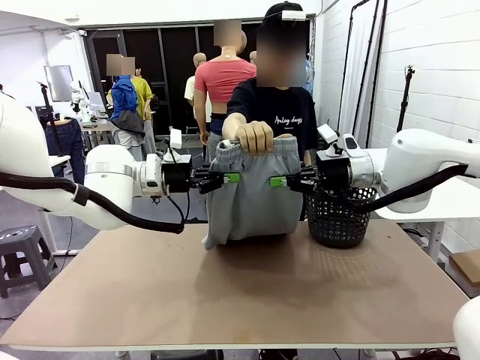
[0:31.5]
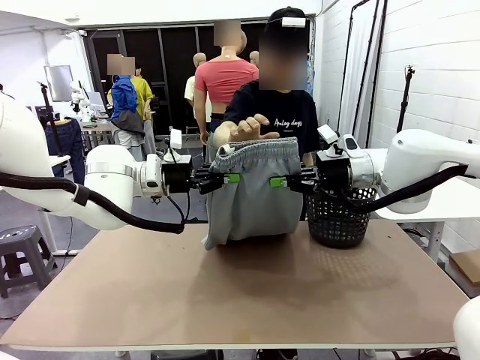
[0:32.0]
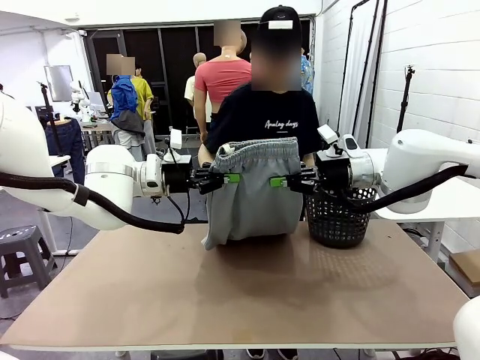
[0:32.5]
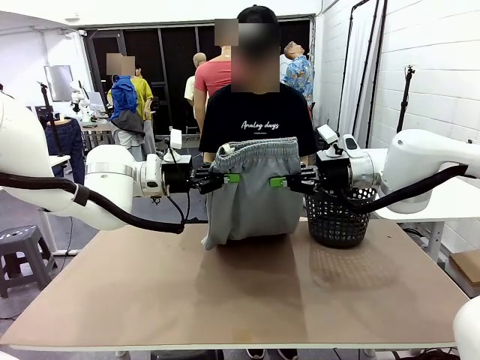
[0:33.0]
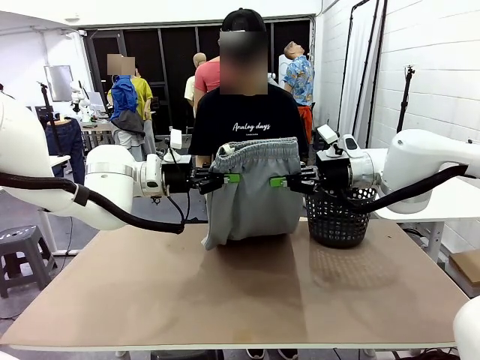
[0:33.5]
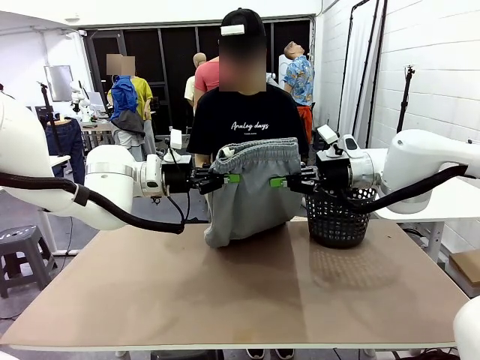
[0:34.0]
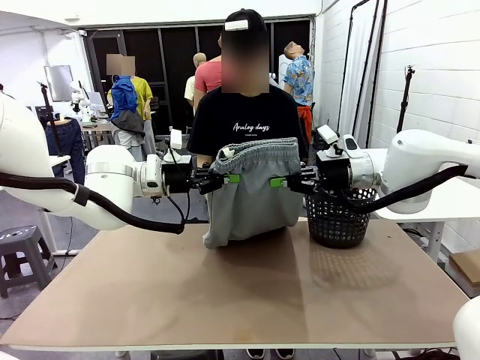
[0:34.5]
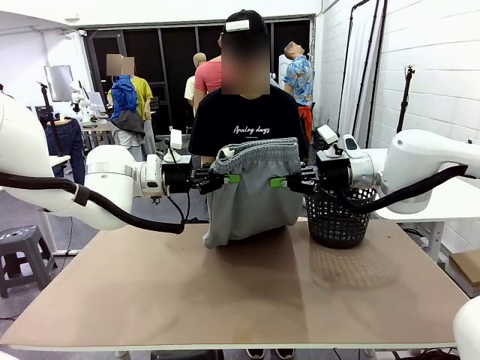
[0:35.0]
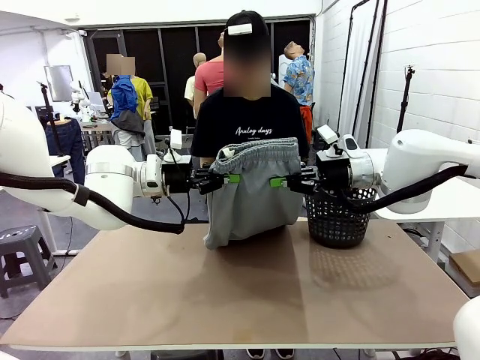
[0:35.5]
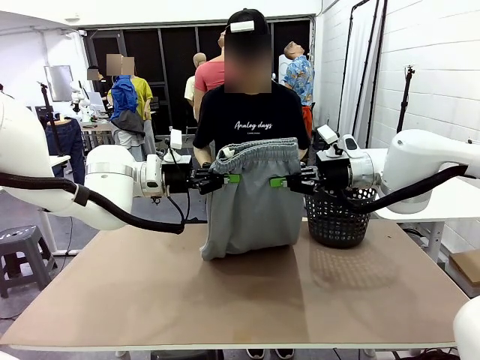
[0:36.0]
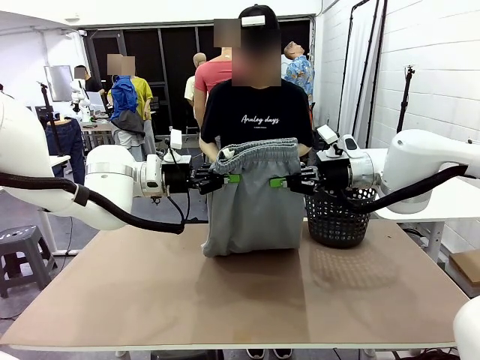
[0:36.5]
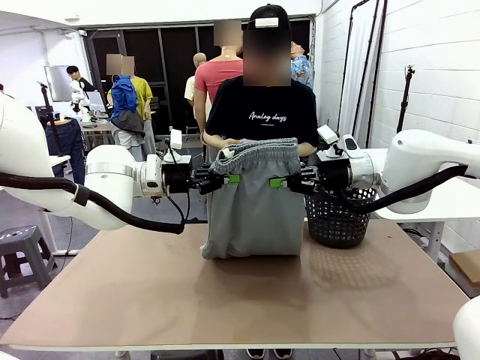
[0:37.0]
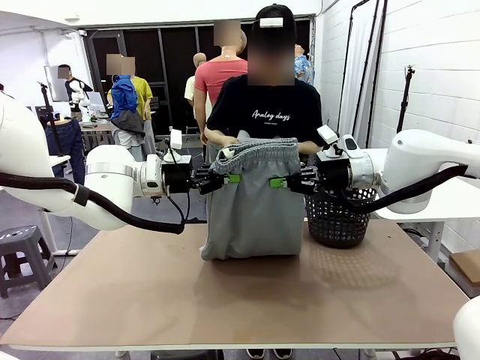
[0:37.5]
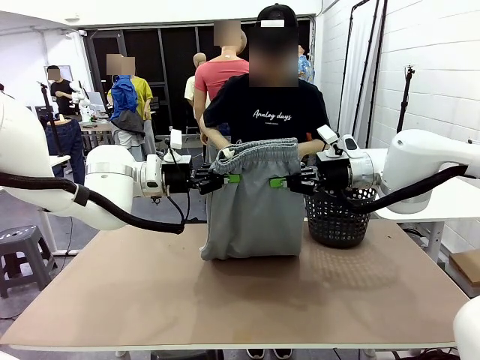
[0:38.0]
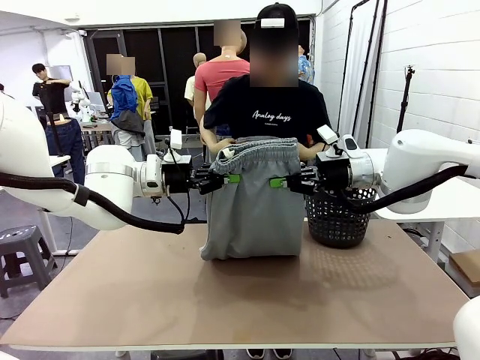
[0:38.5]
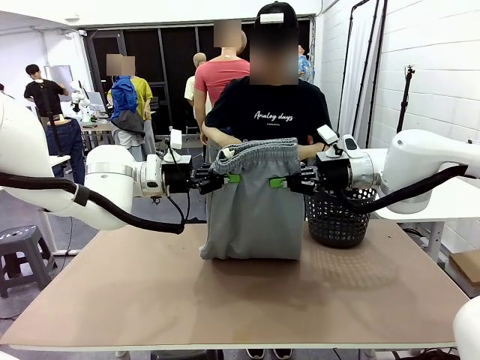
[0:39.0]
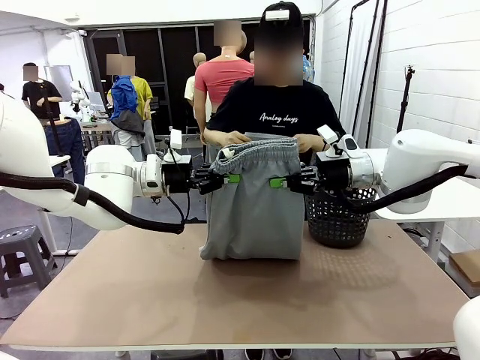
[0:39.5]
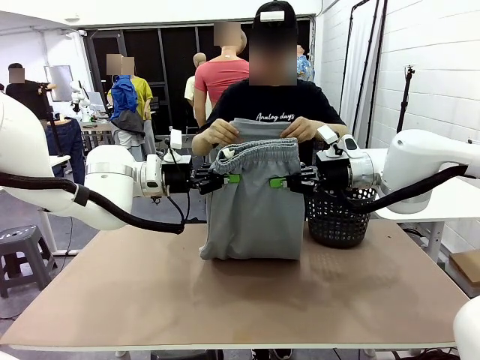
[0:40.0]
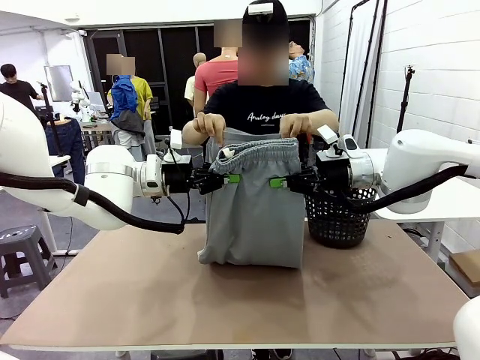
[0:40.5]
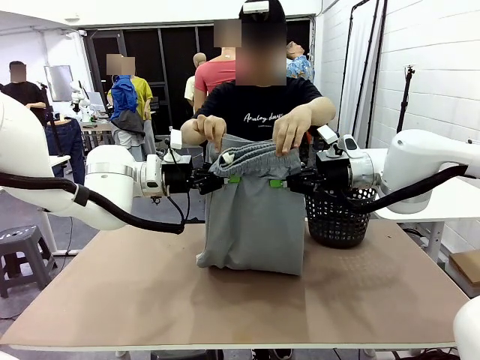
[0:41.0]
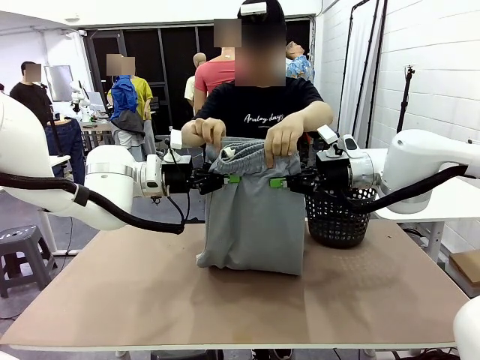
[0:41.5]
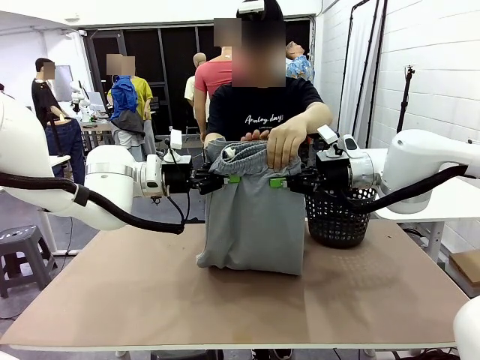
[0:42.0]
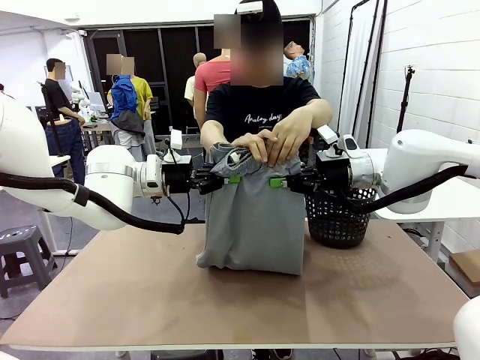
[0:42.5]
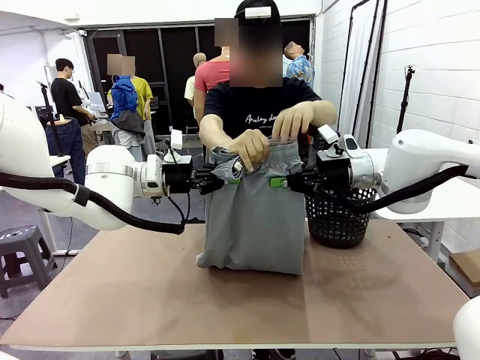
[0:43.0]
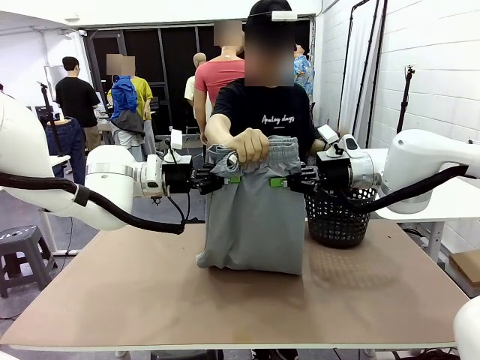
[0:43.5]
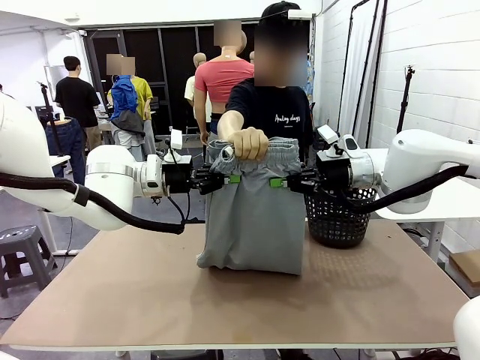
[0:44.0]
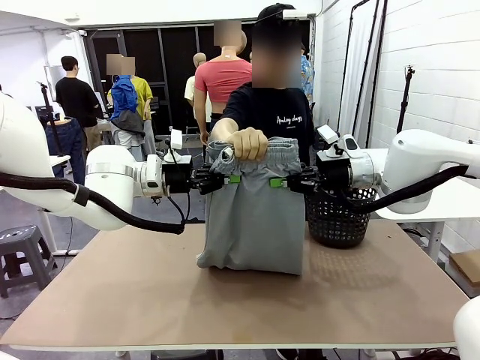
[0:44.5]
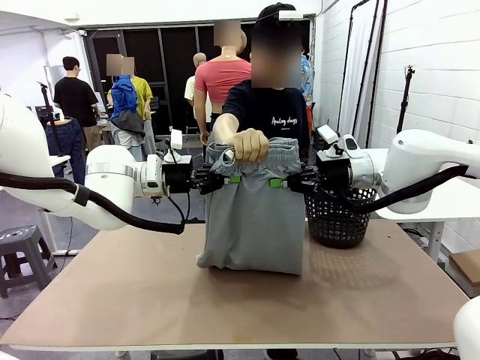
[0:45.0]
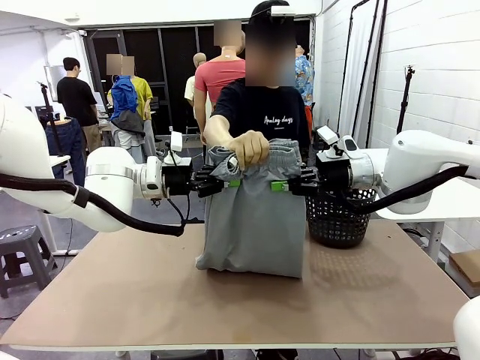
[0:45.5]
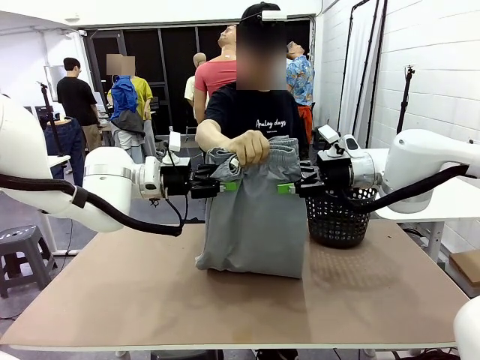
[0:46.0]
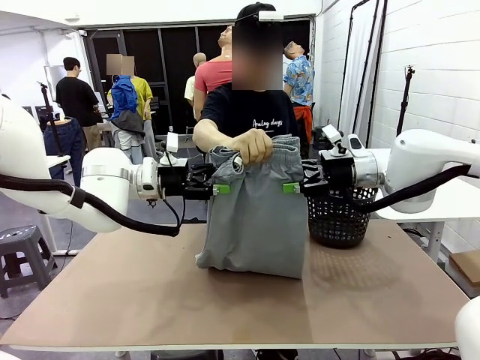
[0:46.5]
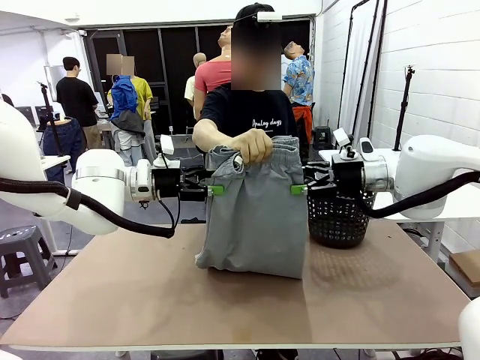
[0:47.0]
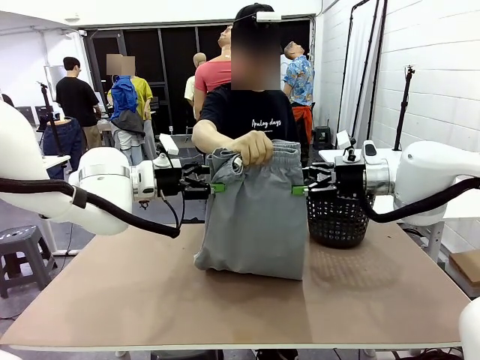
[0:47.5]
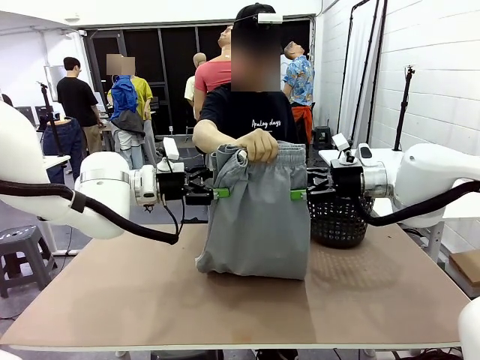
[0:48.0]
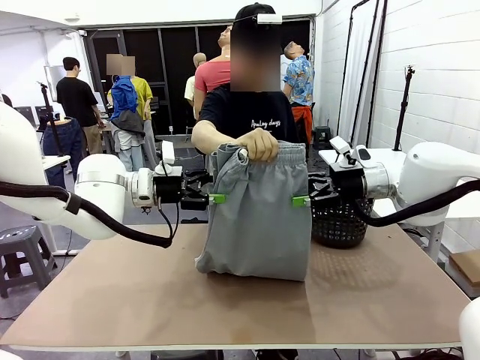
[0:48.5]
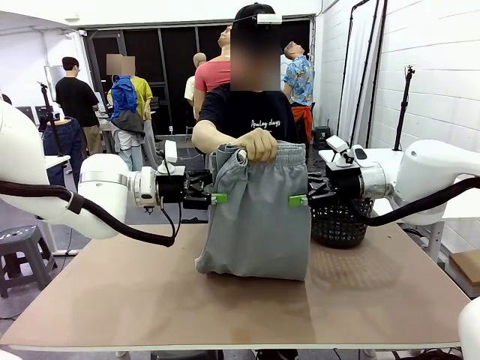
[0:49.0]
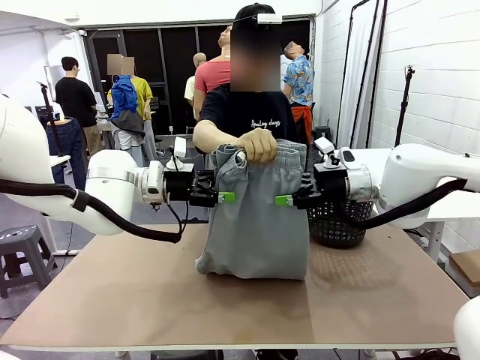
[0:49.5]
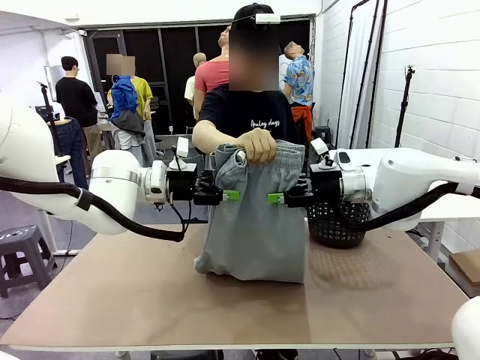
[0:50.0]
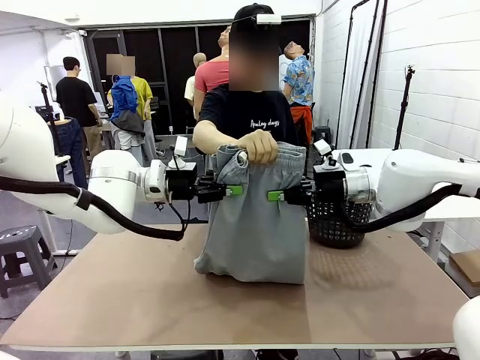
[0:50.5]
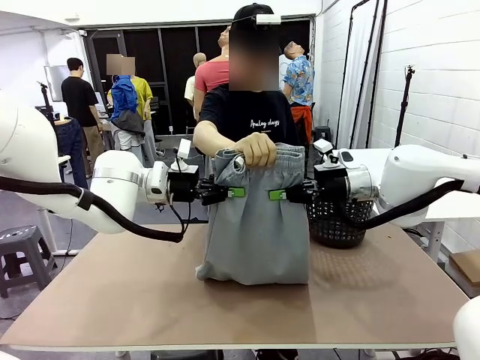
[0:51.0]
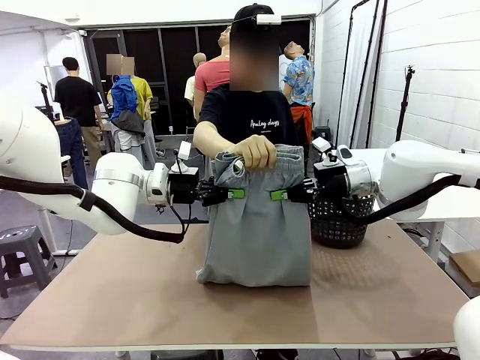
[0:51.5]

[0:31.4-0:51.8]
Task: Fold the training pants.
Robot: Release the ends of the Training pants and then grab the overlapped ends.
Person: Grasp the end opposite the point the robot is holding, fold the pants in half, and then grasp the overlapping top end of the folded pants. Release the pants you were holding.

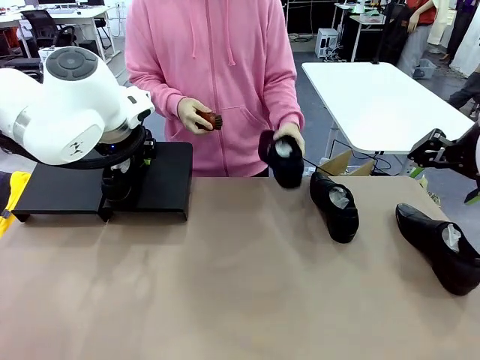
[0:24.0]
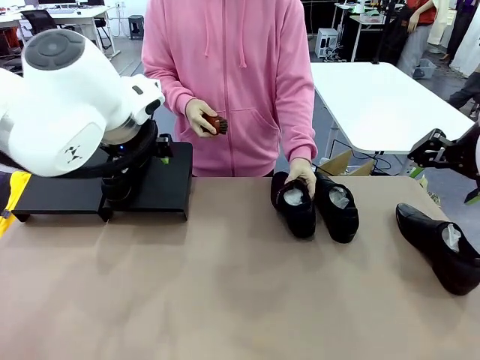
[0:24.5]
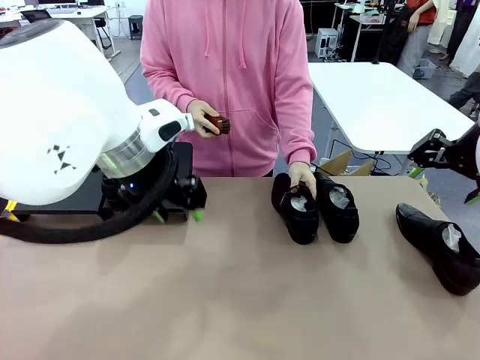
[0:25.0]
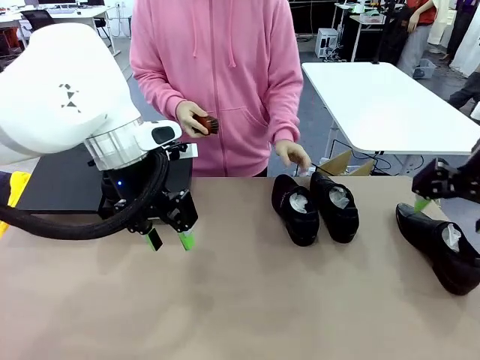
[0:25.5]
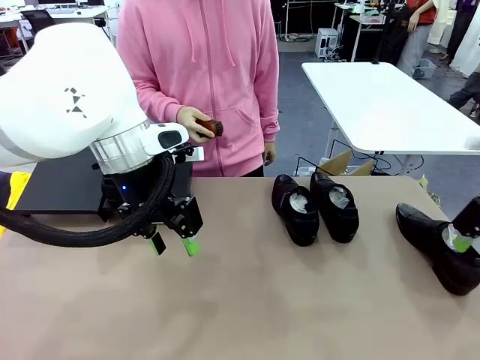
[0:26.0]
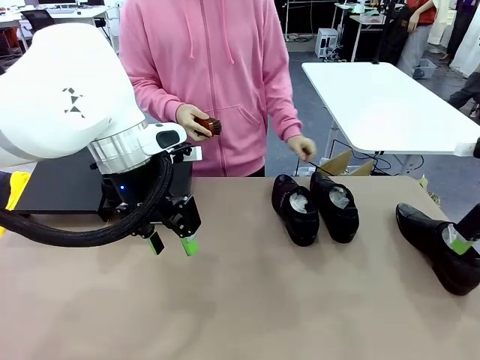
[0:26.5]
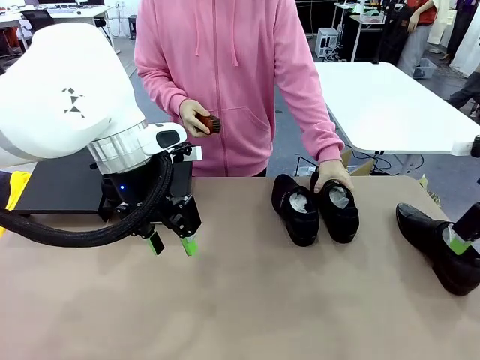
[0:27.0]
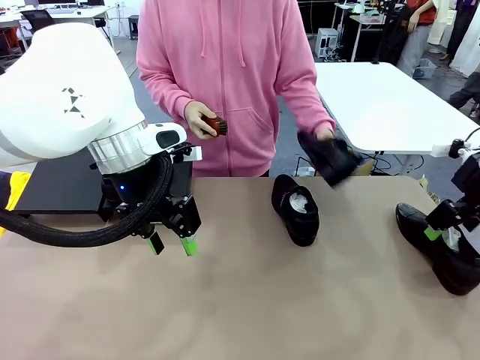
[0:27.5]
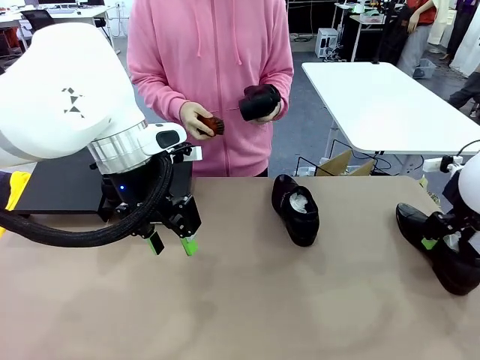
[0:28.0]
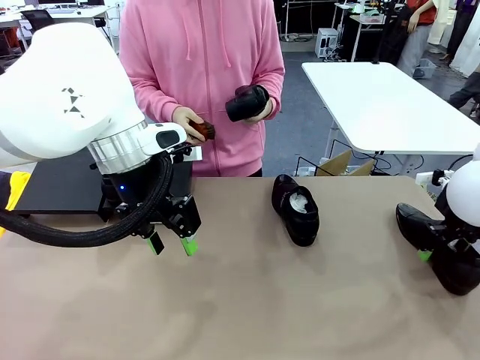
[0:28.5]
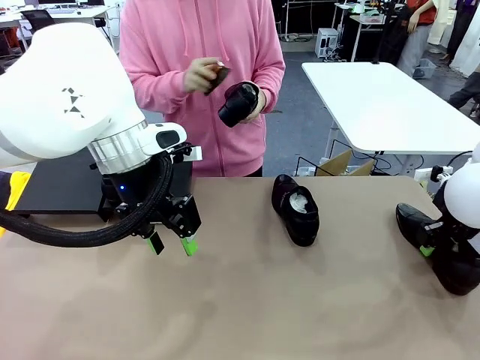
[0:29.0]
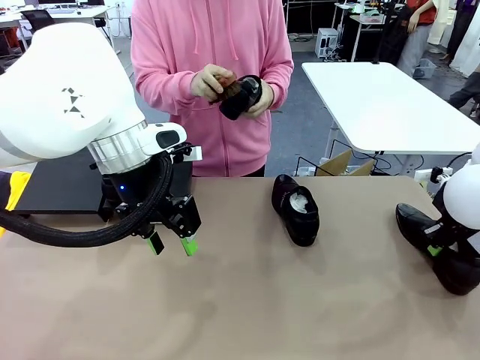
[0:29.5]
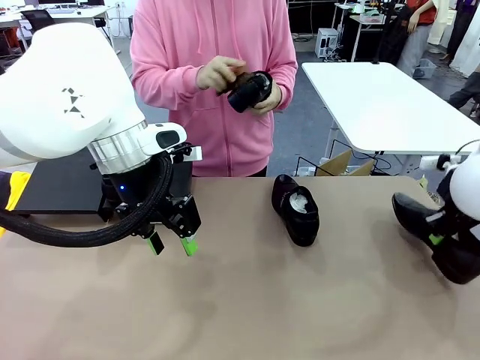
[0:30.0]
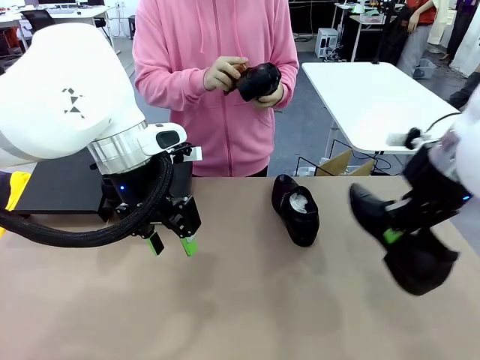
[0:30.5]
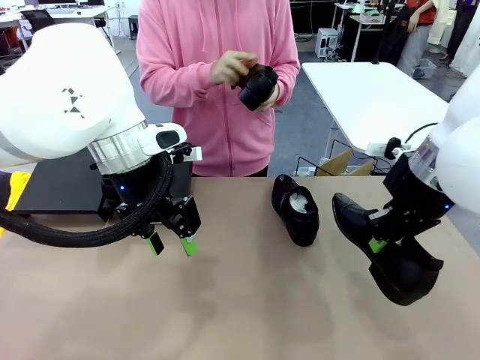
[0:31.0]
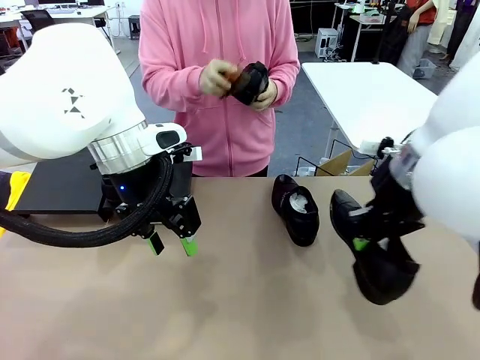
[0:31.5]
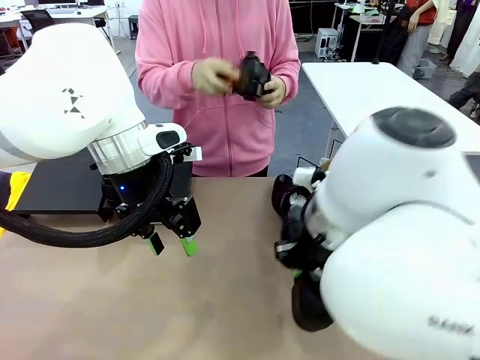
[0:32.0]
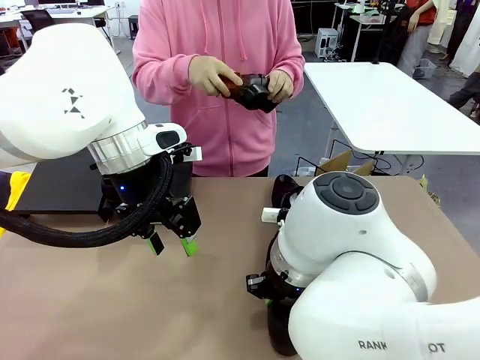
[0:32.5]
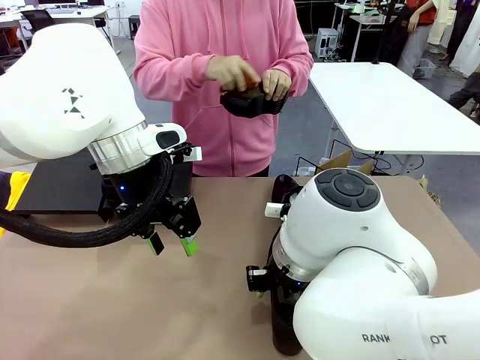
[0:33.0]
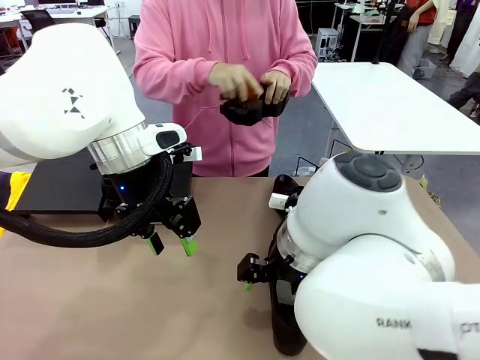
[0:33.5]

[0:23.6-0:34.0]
Task: Organize the shoes by placing them on the stand.
Robot: Pick up one Shoe and place it in the middle of the table.
Person: Place the Shoe on left side of the Robot's table. Pick one Shoe on Robot's table.
